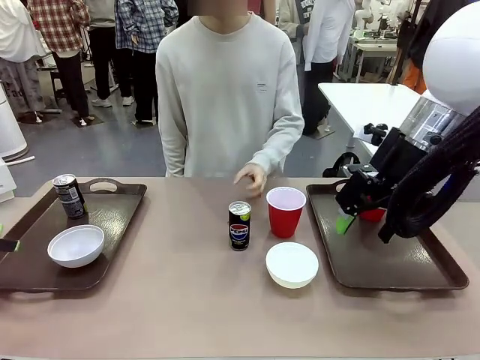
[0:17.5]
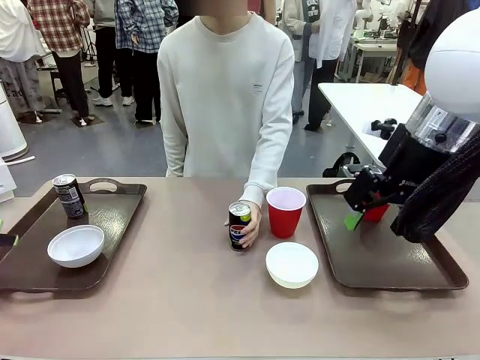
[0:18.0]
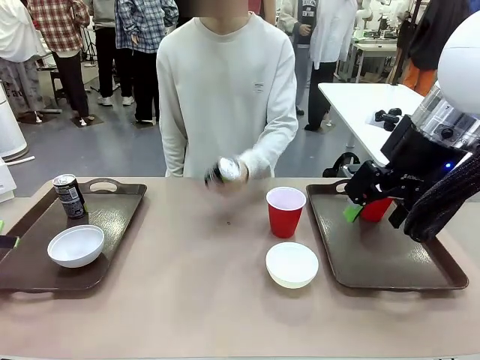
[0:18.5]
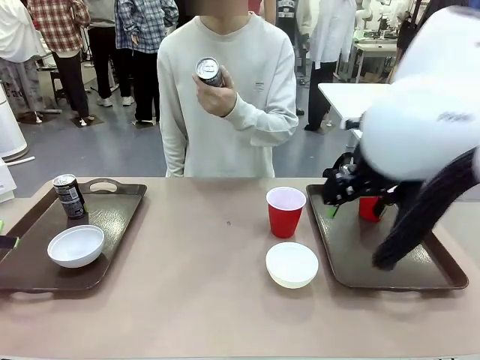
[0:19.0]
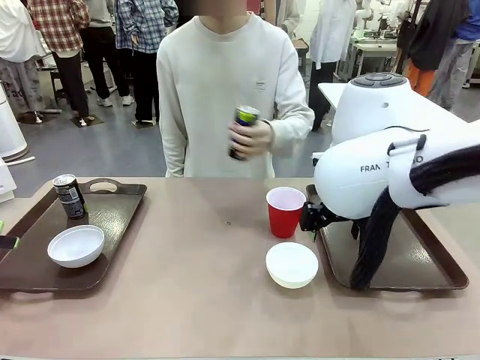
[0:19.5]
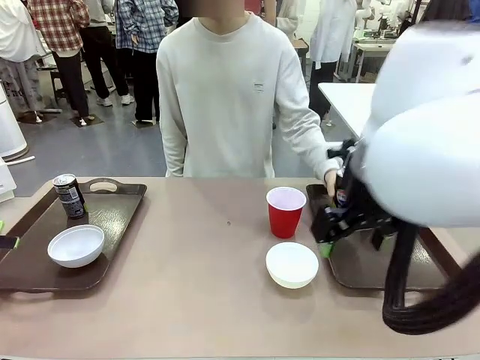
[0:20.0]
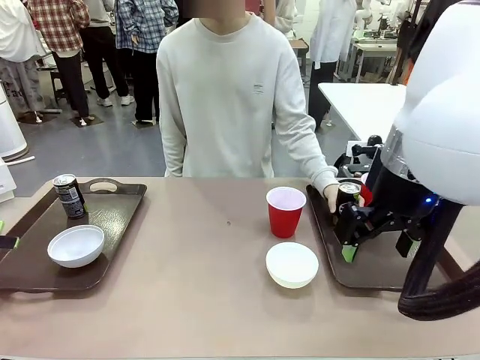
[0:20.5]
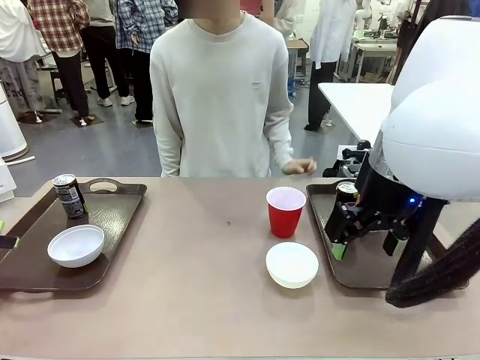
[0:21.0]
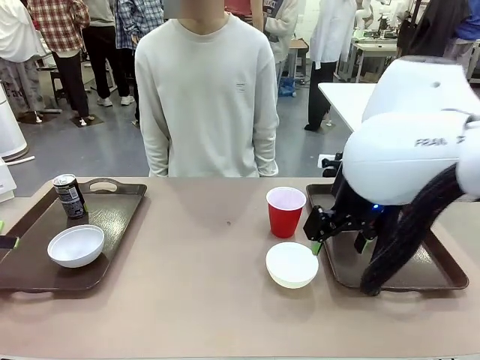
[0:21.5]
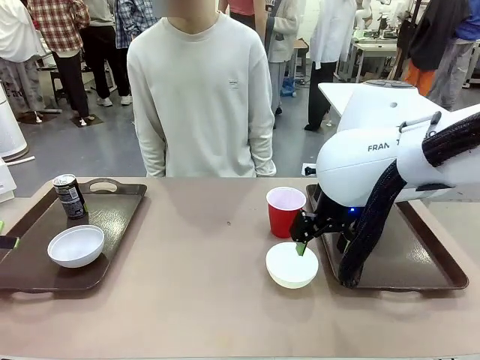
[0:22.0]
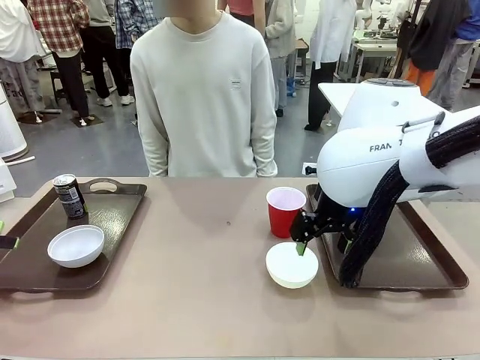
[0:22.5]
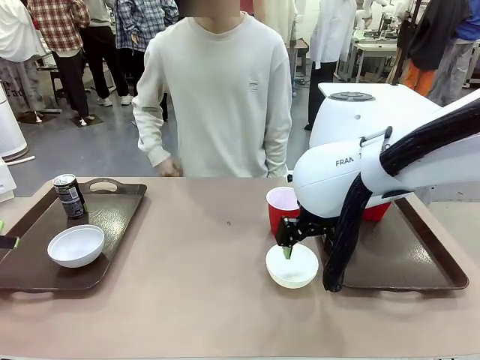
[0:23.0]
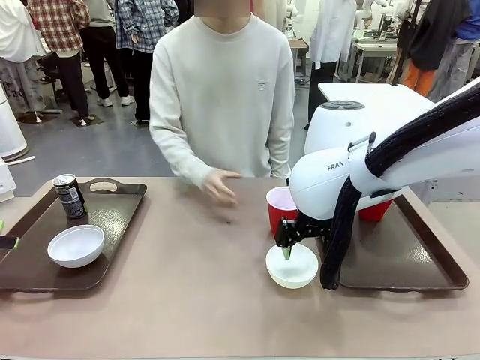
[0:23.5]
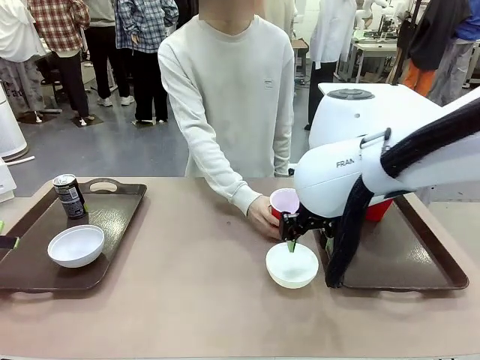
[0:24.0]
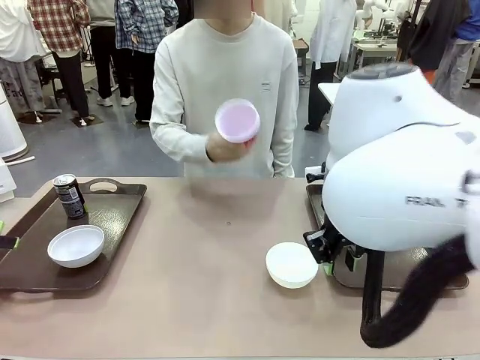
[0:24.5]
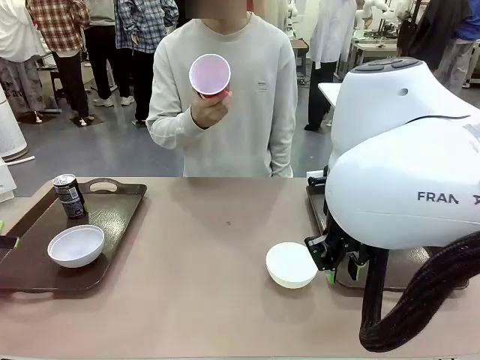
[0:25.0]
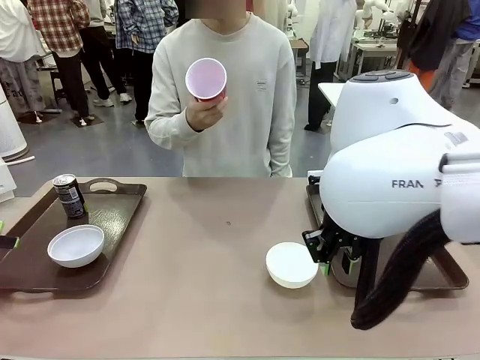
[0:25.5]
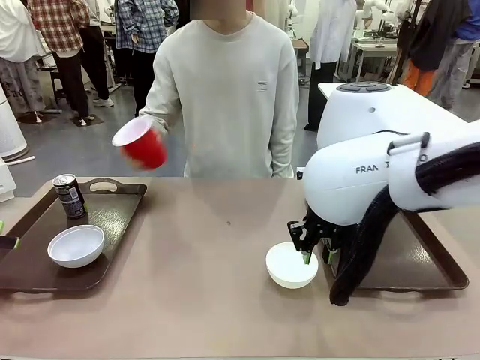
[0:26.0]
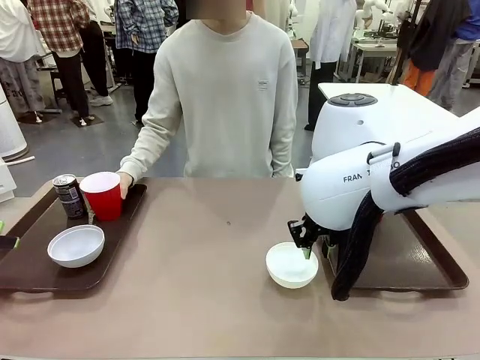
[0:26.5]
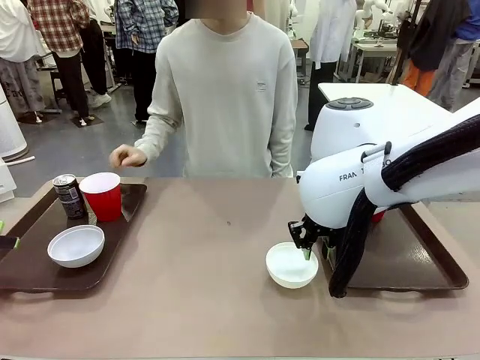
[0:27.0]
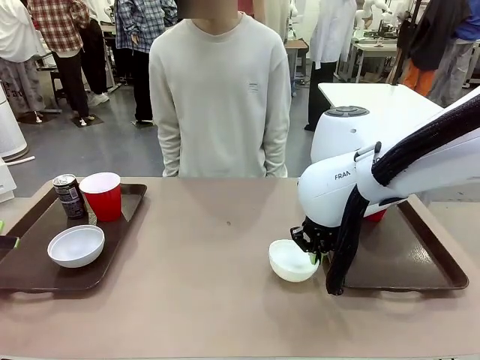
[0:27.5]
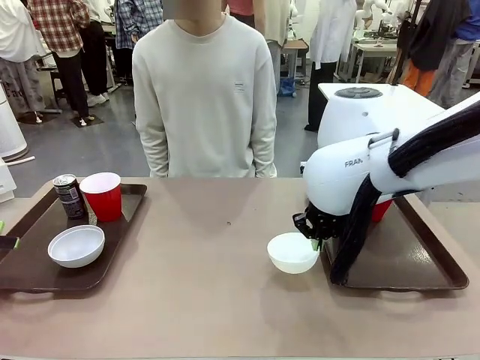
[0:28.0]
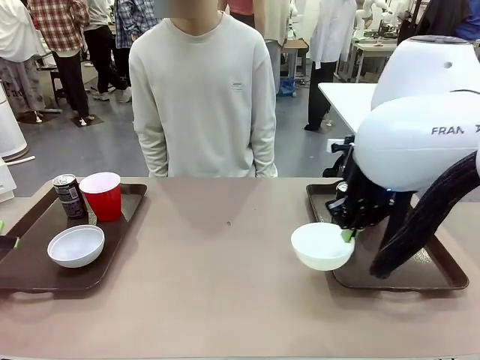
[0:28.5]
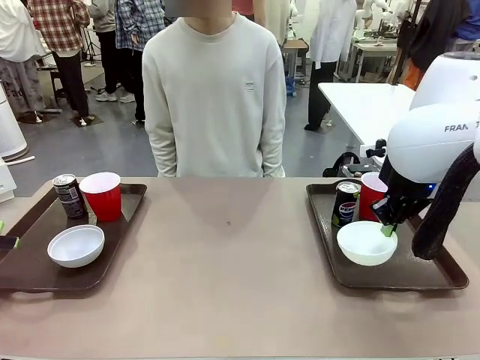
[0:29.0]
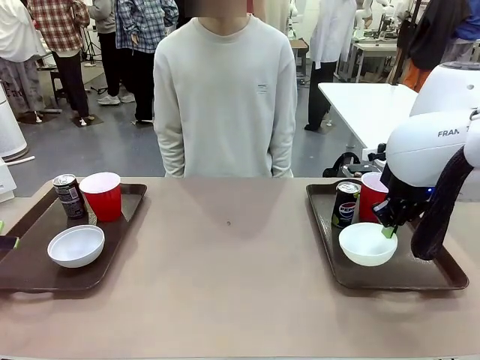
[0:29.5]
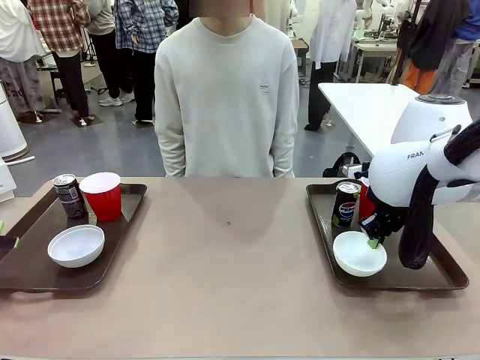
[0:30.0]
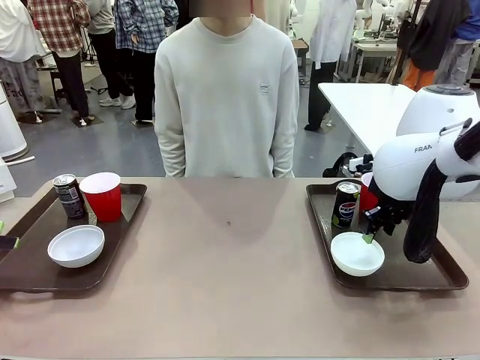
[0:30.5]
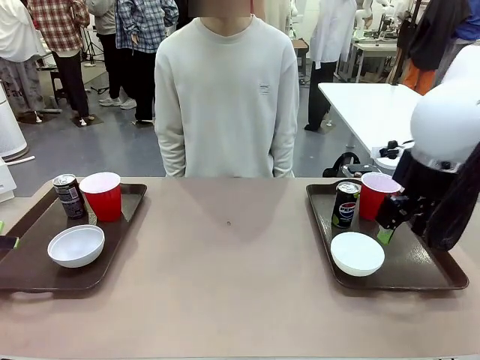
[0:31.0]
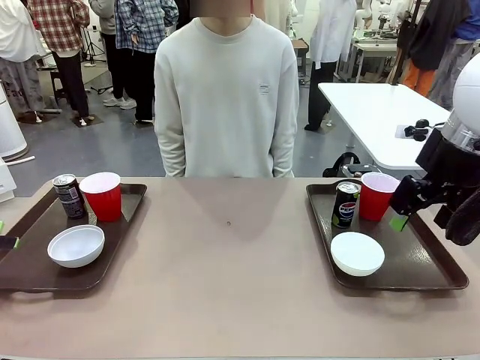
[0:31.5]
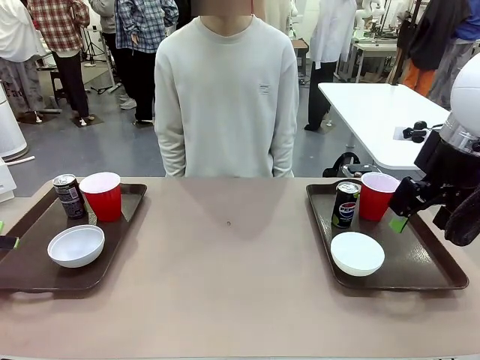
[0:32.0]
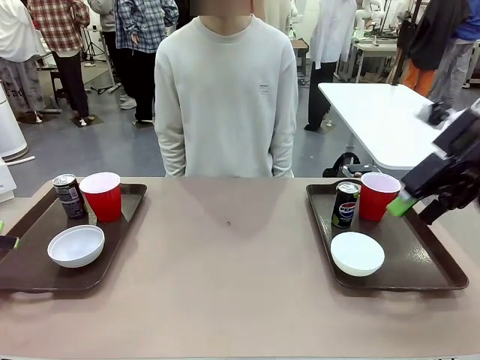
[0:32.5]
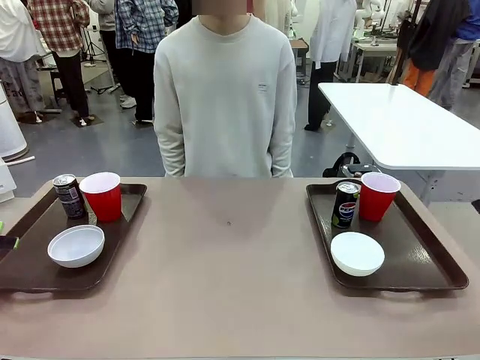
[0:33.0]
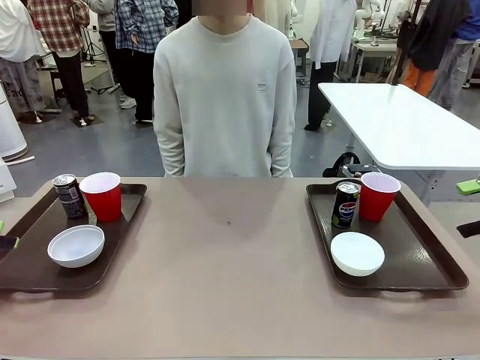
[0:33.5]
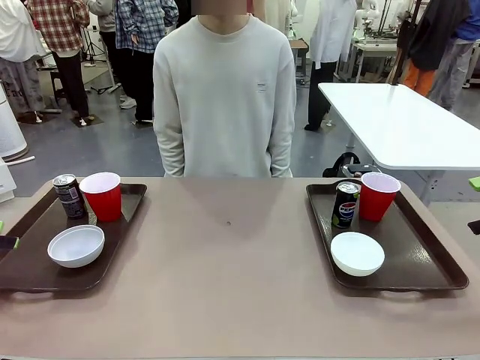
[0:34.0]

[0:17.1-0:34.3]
Task: Prepare tableware on both trays.
Robot: Pick up a Picnic Bowl from the table and place it on a Handle tray.
Person: Pick up a can or cup and place it on the tray without a can or cup.

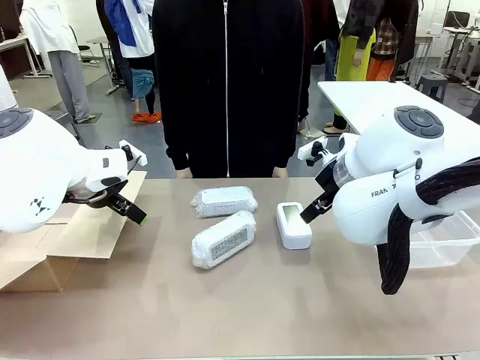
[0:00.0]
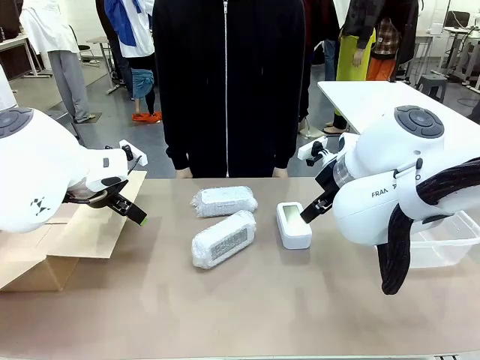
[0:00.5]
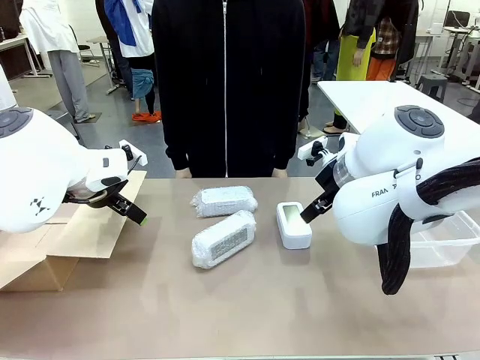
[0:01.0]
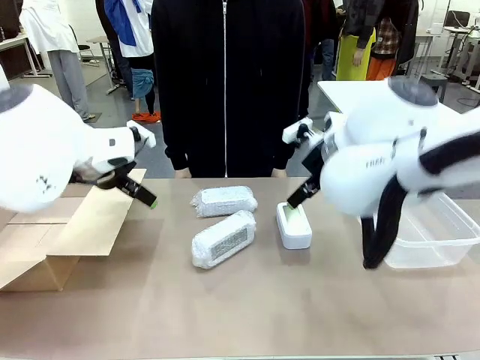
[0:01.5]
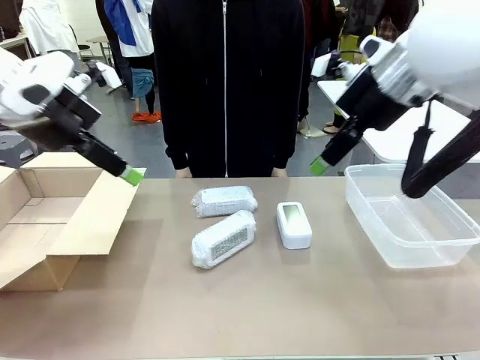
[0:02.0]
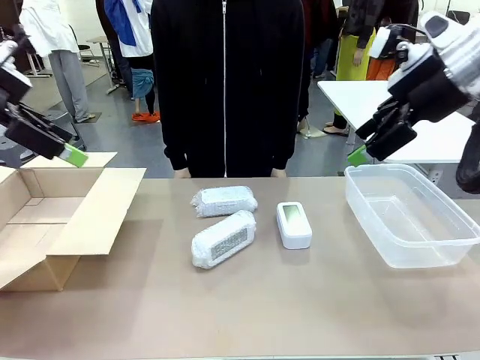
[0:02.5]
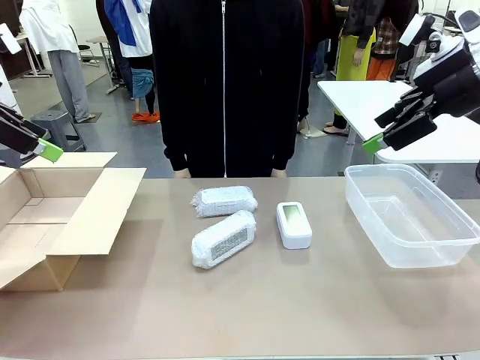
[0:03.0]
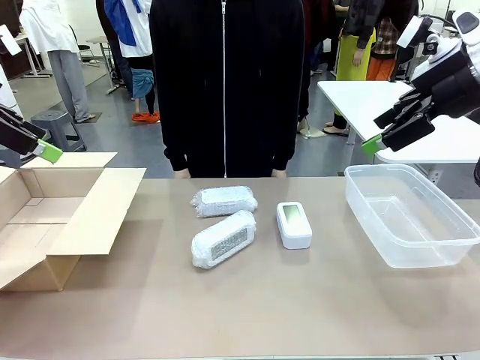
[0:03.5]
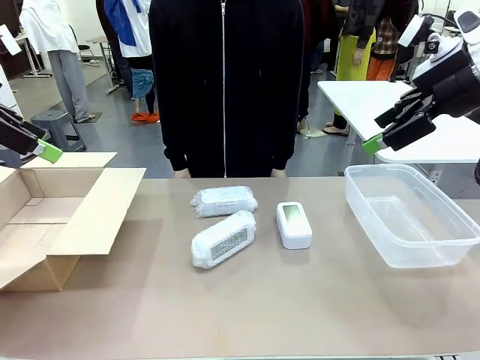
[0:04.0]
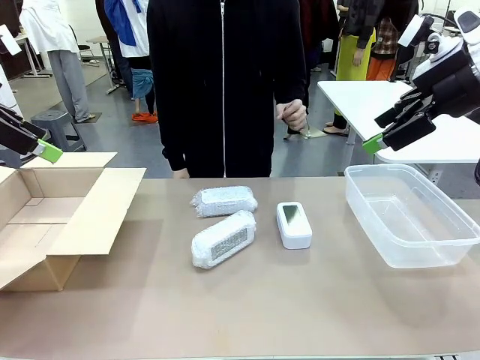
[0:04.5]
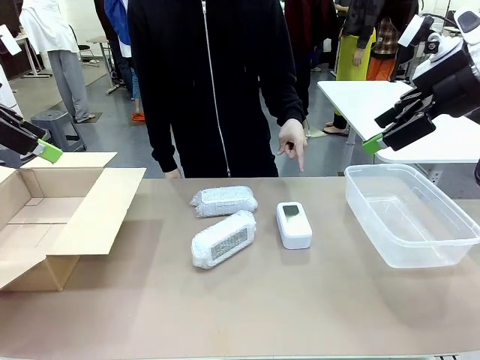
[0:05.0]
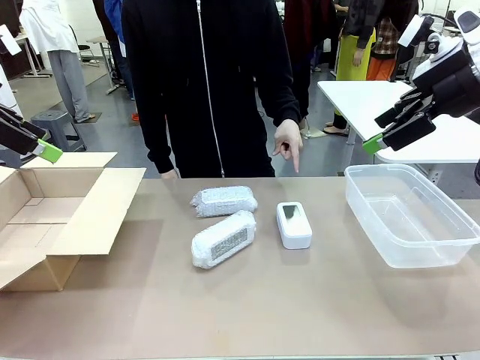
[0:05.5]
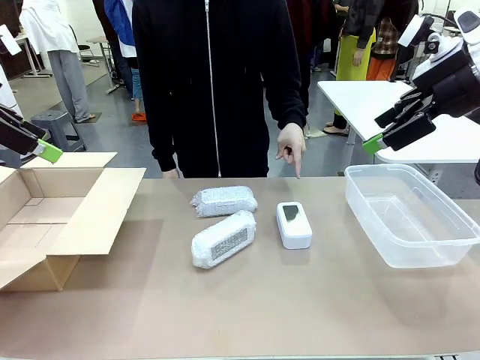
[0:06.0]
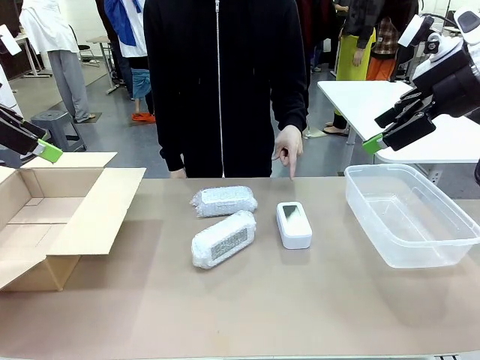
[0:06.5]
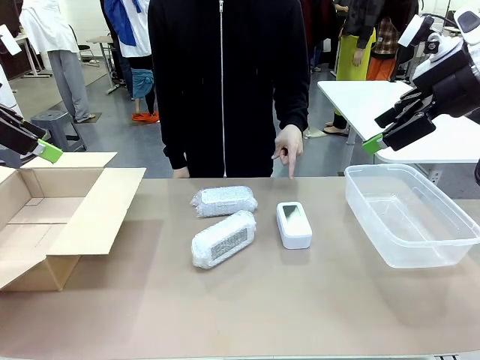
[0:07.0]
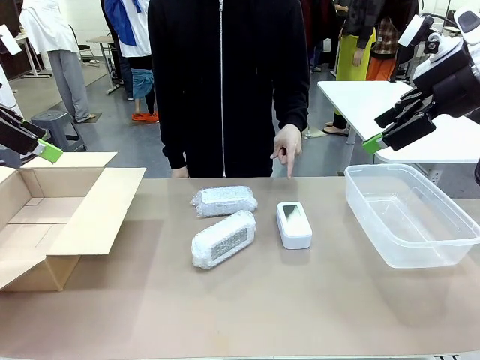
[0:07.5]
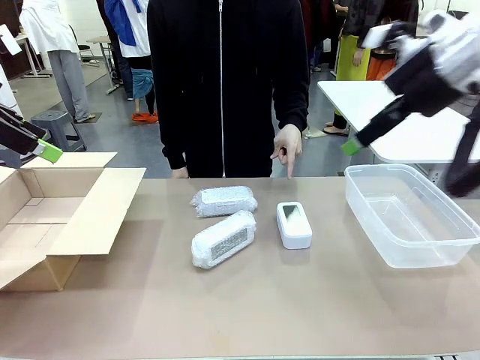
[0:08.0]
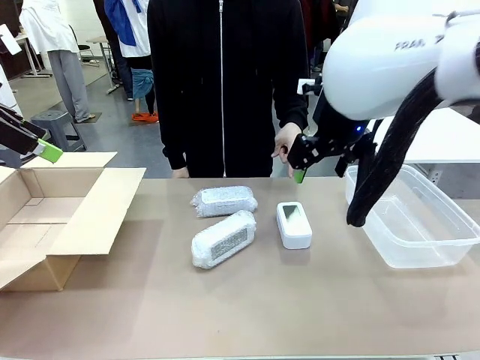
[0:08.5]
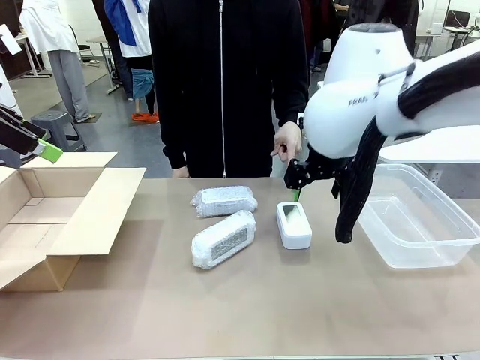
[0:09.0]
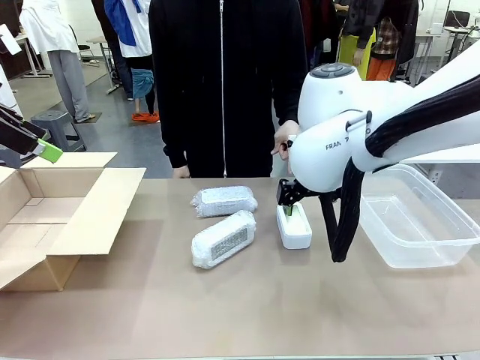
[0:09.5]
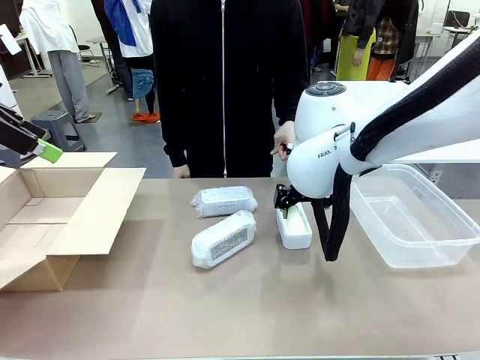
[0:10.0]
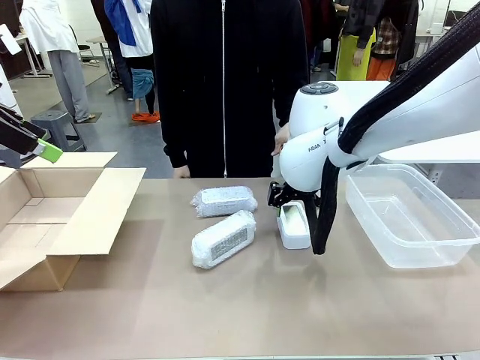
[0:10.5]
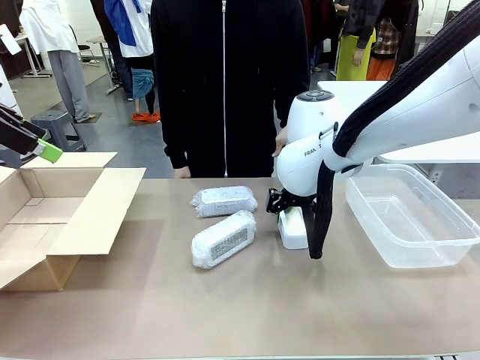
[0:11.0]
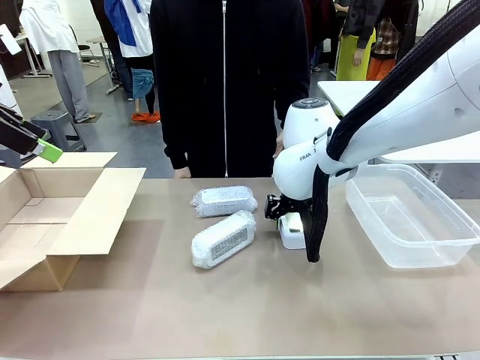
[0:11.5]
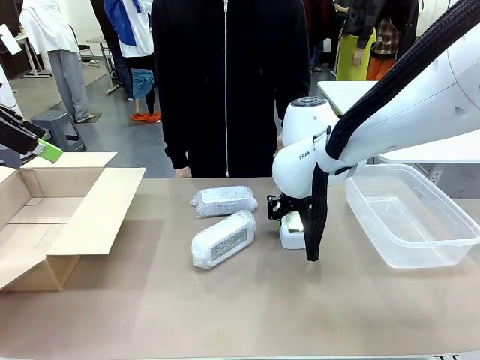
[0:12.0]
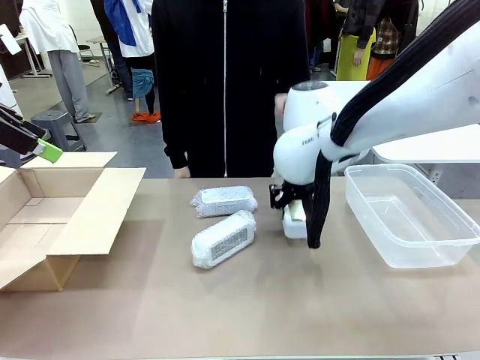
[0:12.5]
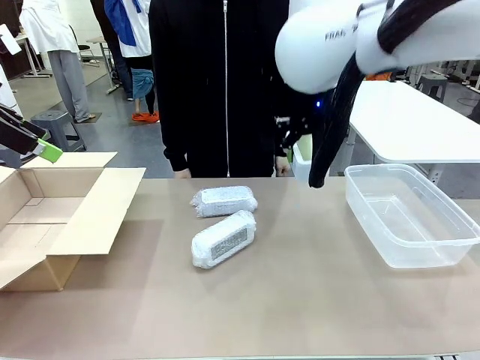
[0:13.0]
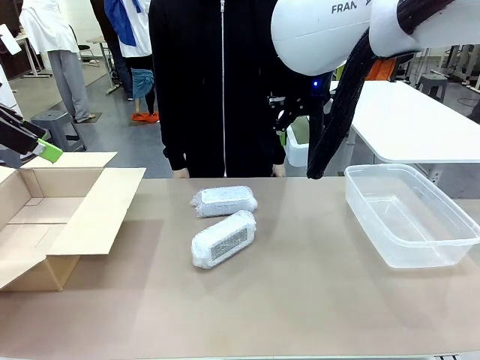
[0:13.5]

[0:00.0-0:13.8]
Task: Separate and place wrapped and unwrapped clocks.
Robot: Pick up the Digital clock indicated by the person.
